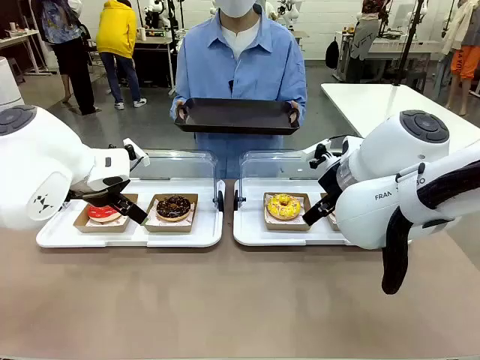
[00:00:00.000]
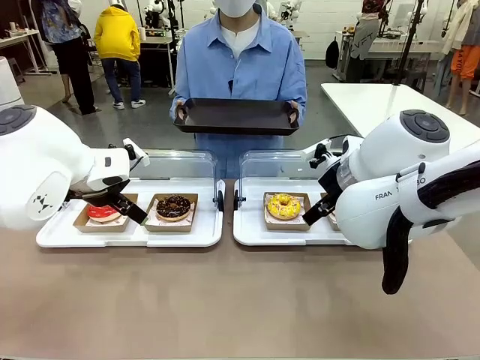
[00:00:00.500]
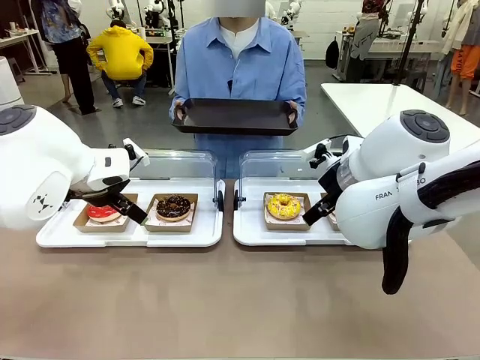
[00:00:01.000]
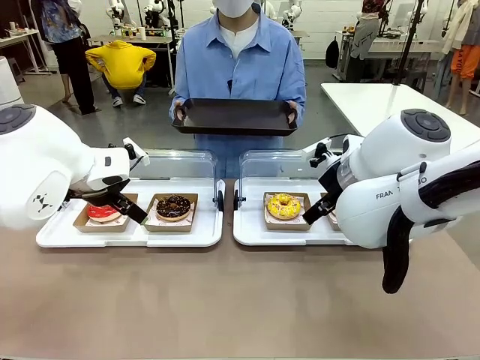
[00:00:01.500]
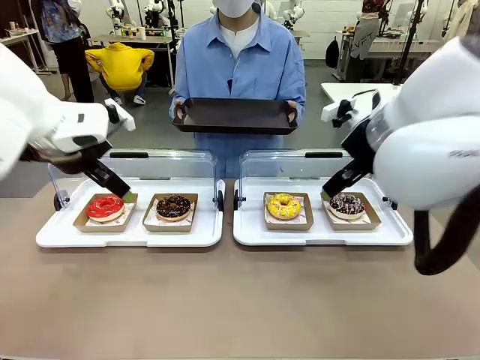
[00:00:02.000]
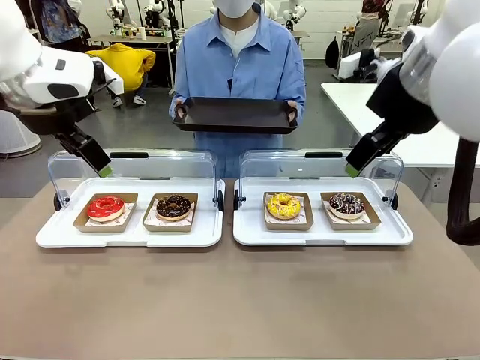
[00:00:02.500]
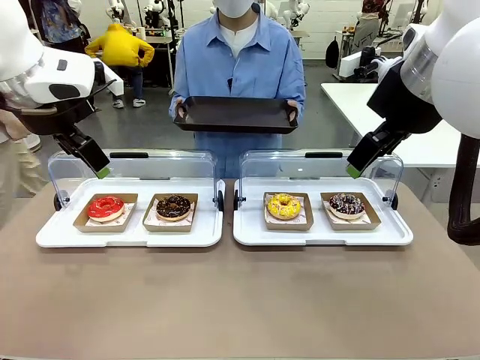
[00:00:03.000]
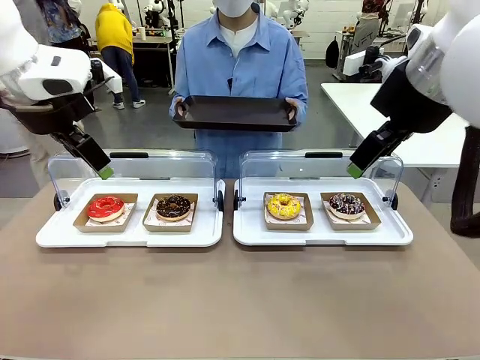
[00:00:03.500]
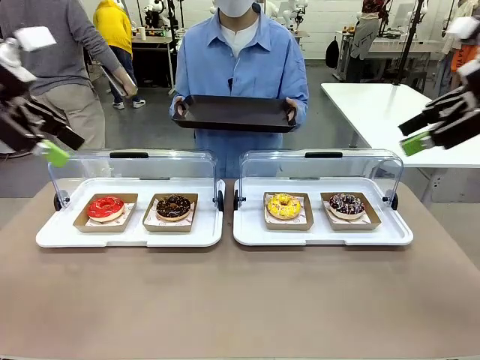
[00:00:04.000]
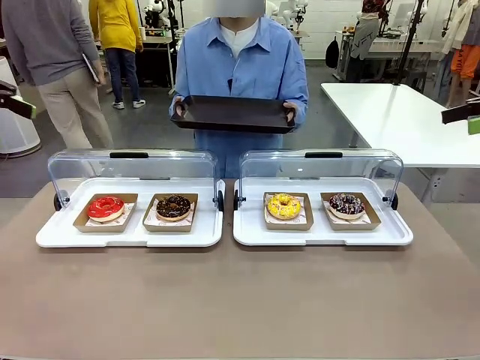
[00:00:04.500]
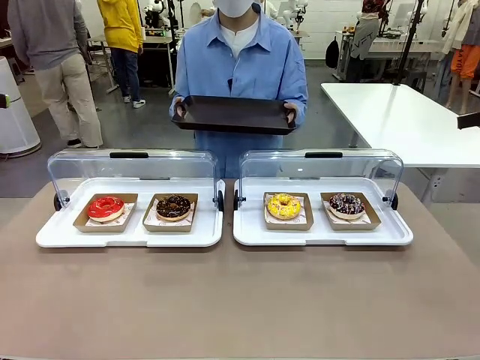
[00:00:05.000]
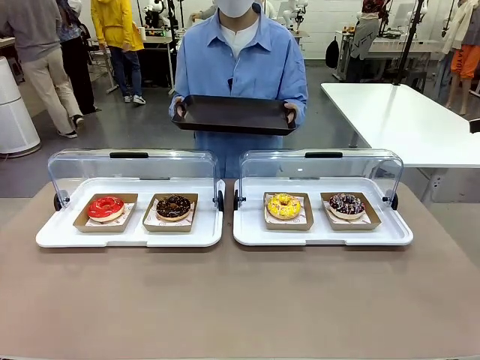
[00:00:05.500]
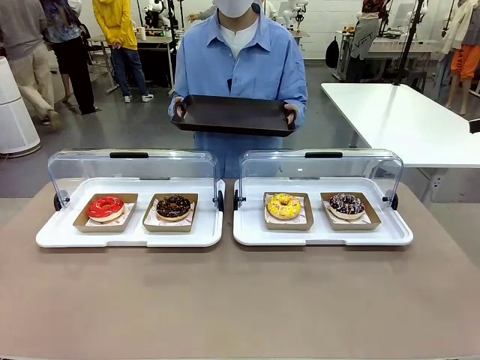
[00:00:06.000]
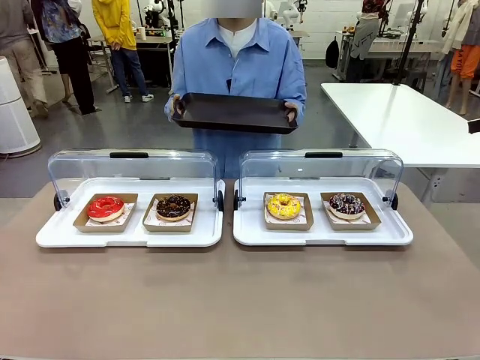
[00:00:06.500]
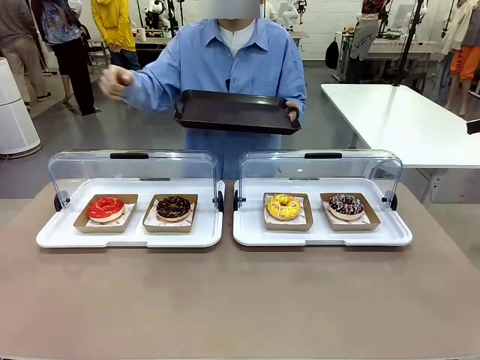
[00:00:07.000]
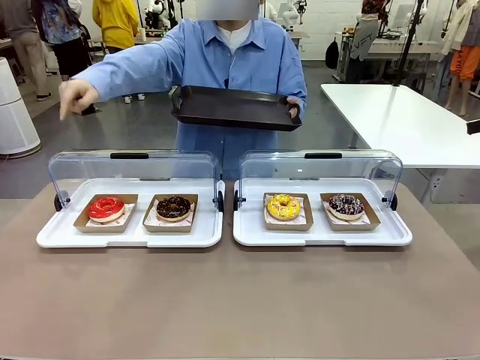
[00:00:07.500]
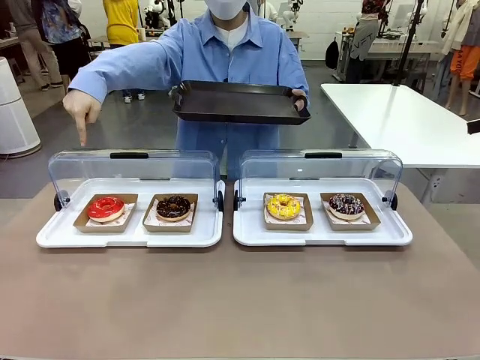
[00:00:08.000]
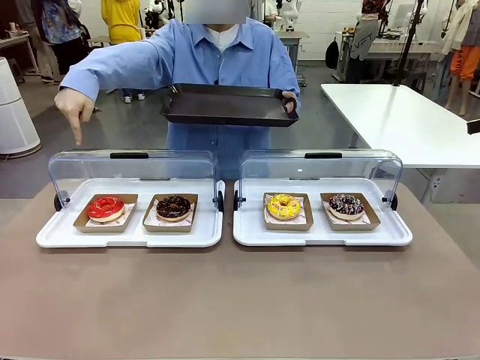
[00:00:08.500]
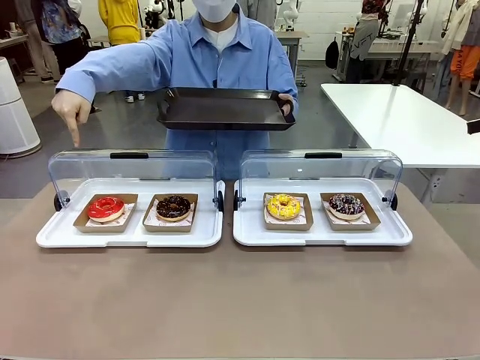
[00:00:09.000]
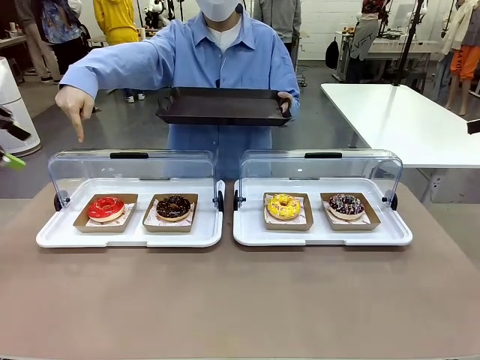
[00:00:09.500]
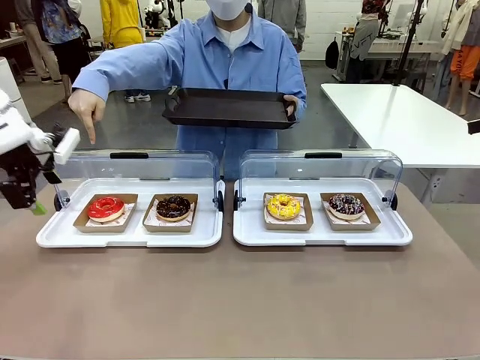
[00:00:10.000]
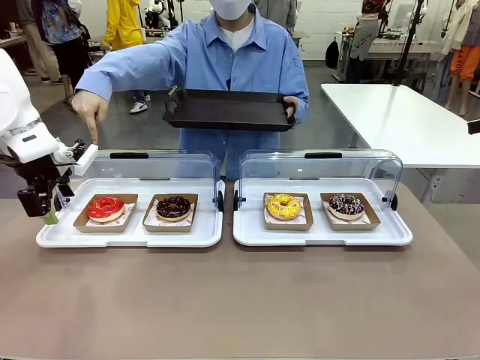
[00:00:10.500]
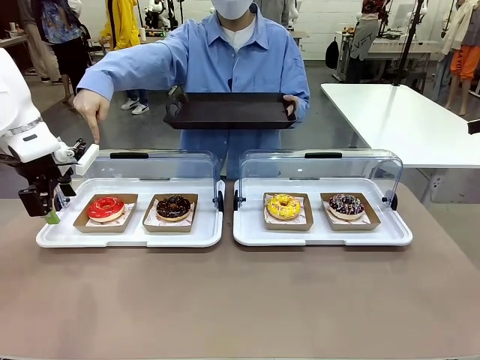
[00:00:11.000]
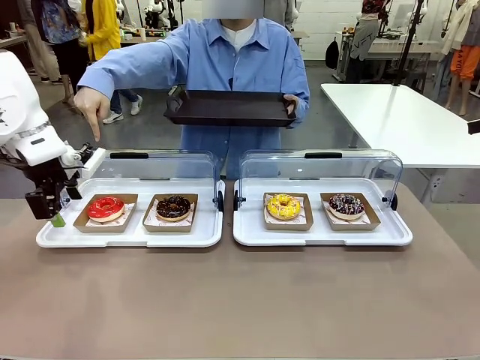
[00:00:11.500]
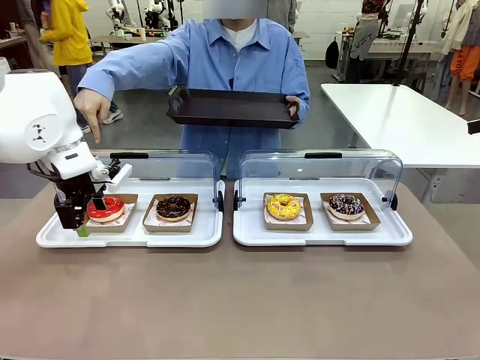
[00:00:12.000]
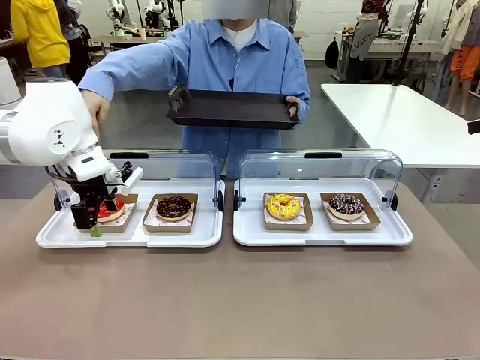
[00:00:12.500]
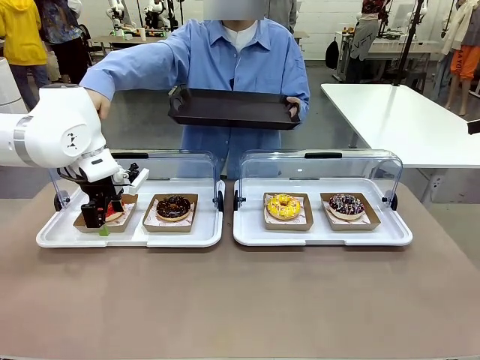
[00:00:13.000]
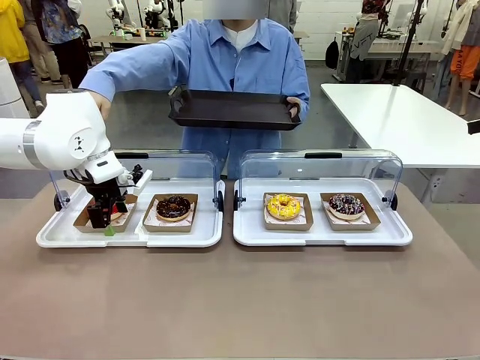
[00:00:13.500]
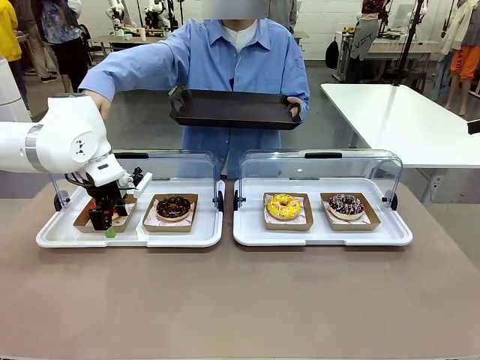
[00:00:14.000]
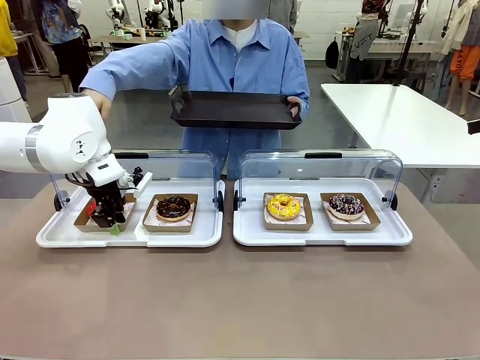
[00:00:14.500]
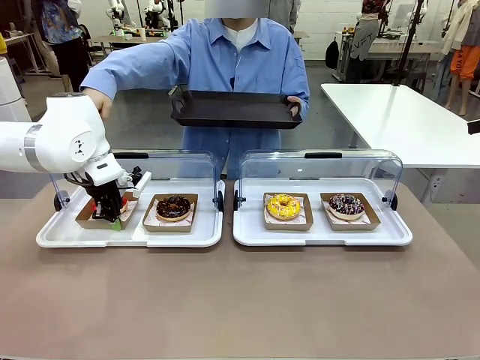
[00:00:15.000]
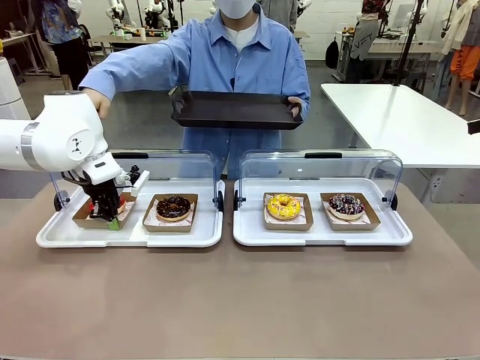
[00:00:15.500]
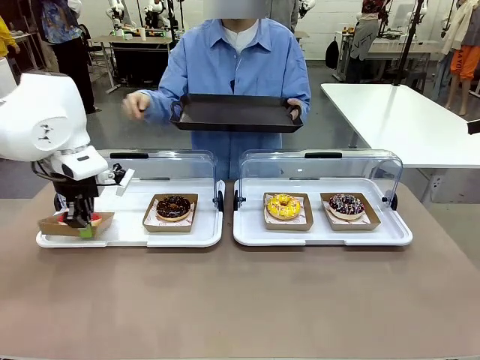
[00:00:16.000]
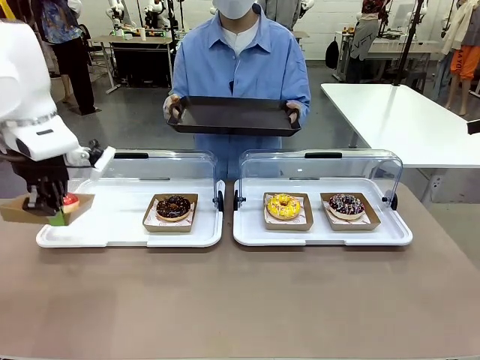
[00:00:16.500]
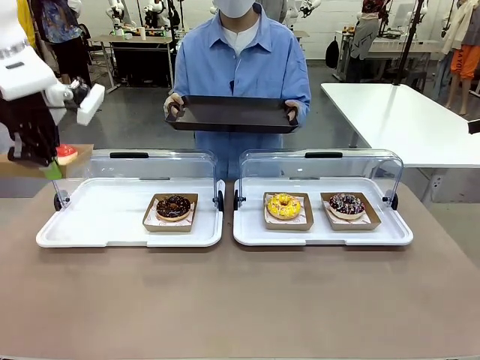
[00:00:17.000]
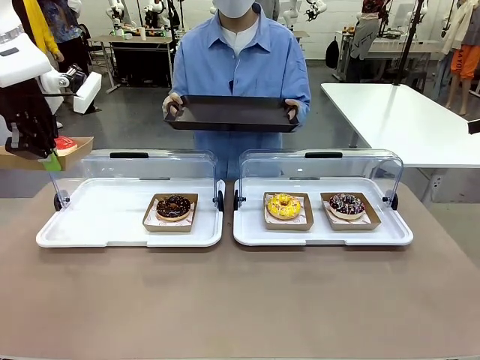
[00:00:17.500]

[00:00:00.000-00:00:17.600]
Task: Provide the desired donut to the person.
Robot: Pick up and lift the Paper togo box containing the Donut pointed at by the person.
Person: Point to one donut. Lift the tray onto the Roll-Top Bakery Case.

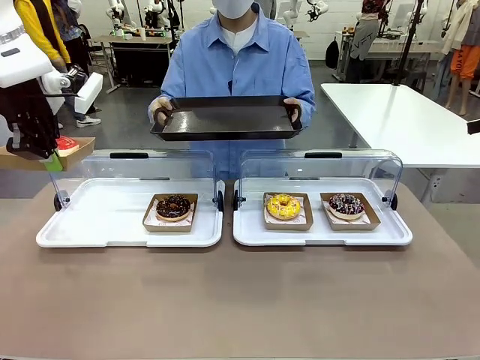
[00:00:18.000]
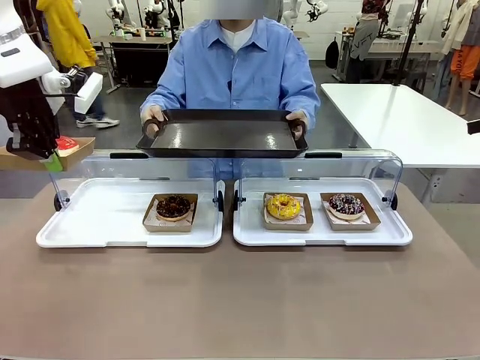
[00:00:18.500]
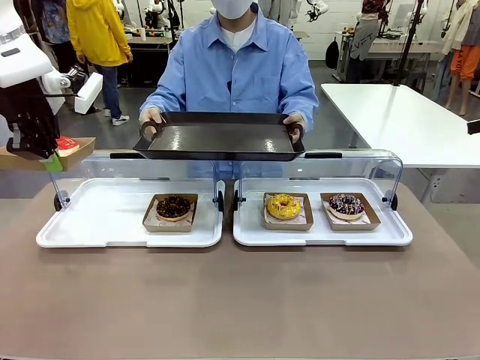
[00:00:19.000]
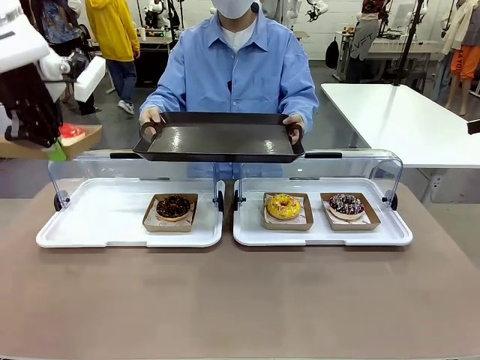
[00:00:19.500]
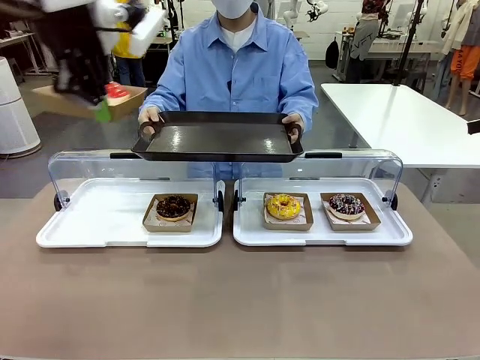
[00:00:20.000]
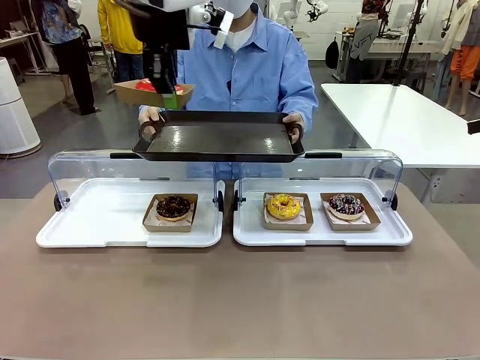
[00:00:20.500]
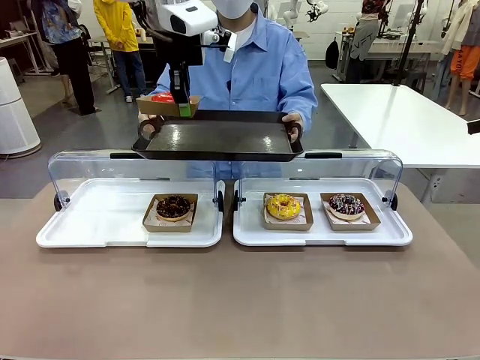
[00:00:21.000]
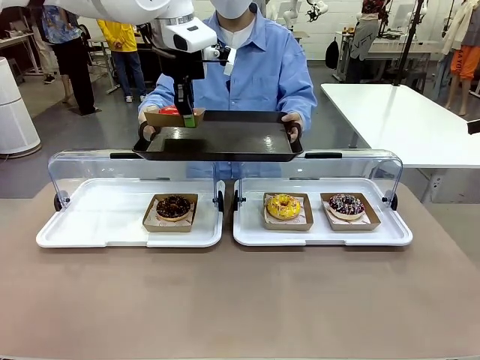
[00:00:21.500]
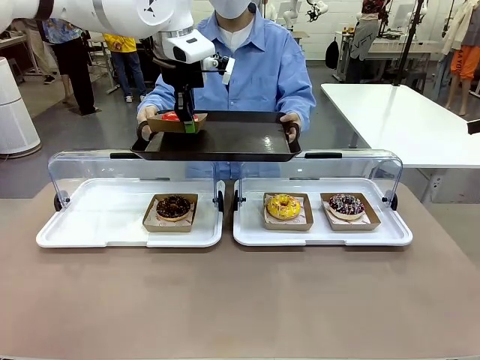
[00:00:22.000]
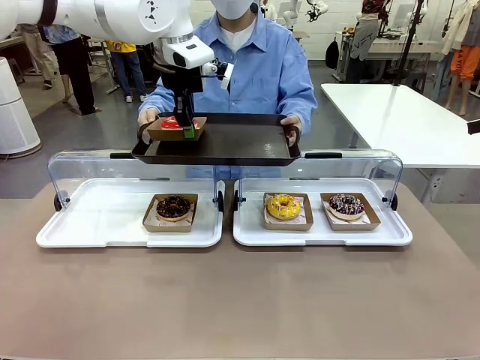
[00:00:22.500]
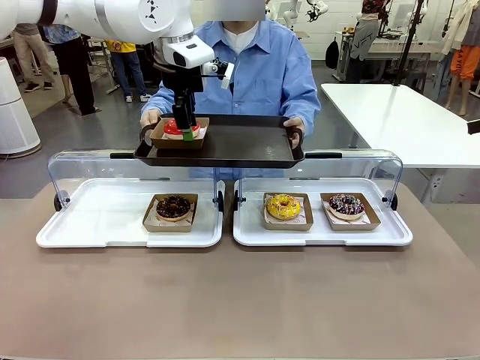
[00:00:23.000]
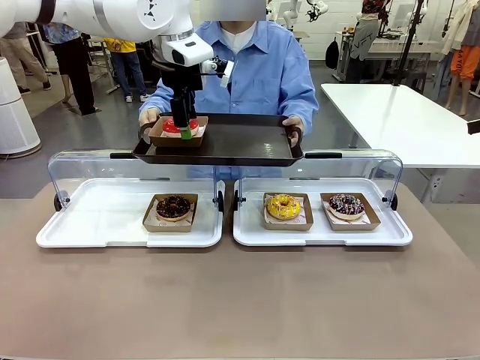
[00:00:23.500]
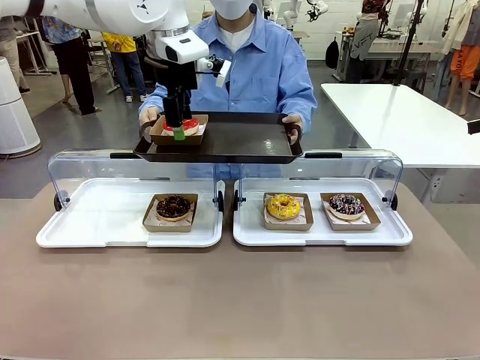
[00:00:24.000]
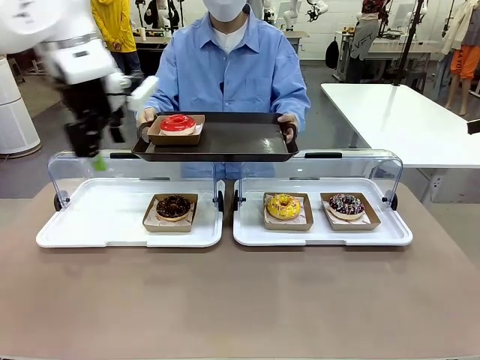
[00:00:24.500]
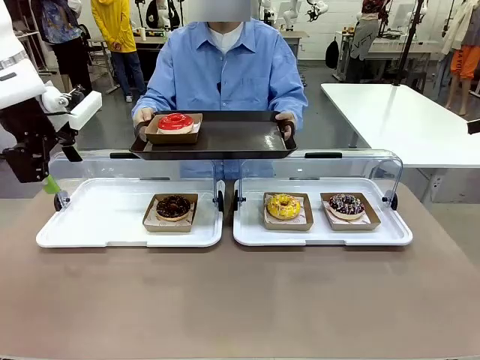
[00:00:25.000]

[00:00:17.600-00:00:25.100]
Robot: Place the picked Paper togo box onto the Handle tray extended by the person.
